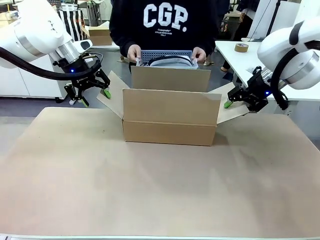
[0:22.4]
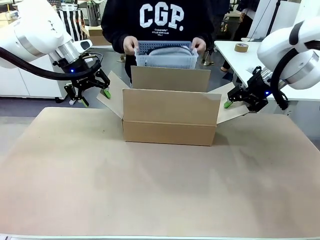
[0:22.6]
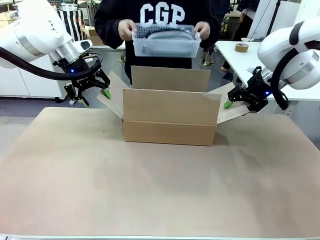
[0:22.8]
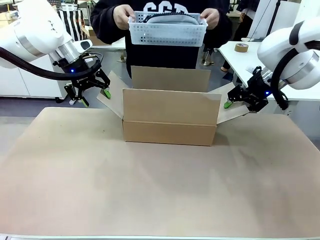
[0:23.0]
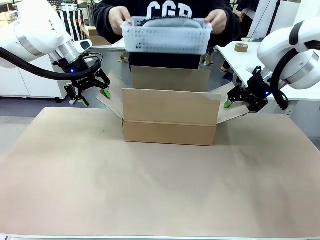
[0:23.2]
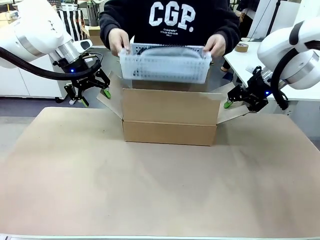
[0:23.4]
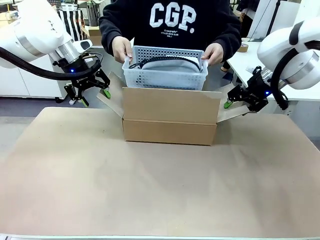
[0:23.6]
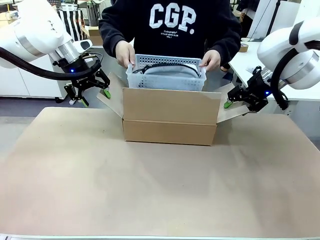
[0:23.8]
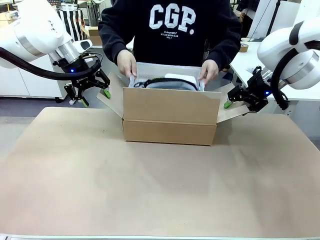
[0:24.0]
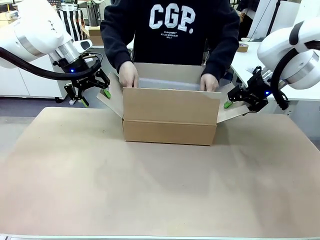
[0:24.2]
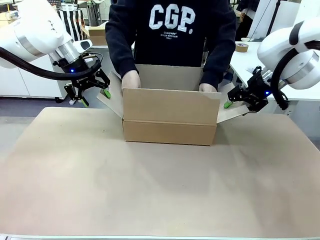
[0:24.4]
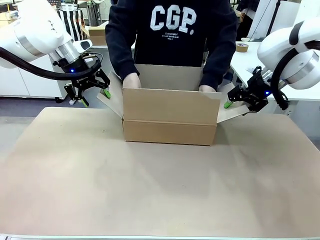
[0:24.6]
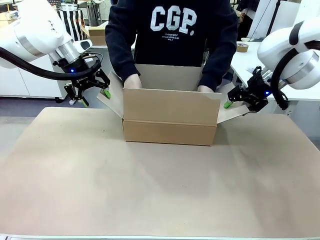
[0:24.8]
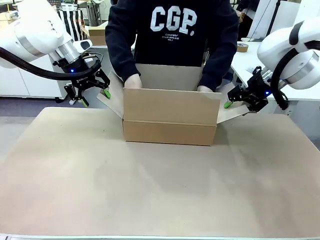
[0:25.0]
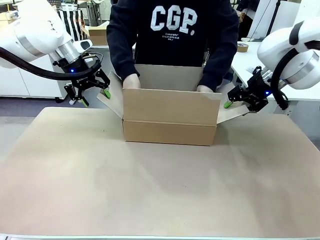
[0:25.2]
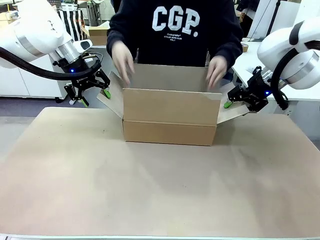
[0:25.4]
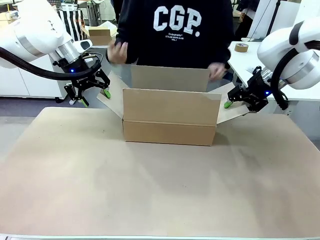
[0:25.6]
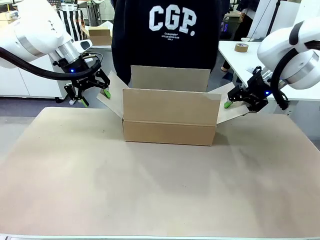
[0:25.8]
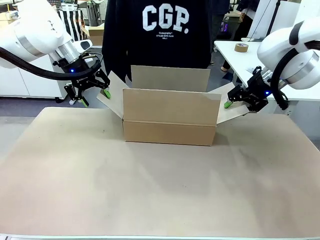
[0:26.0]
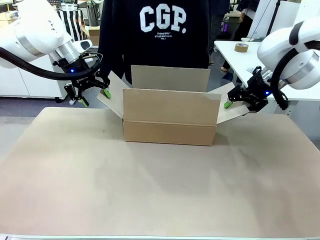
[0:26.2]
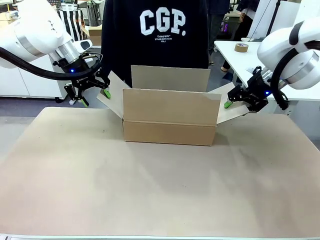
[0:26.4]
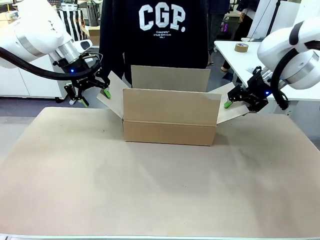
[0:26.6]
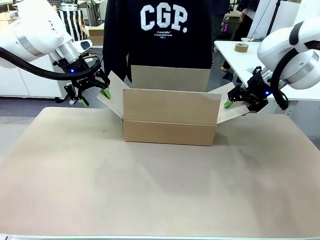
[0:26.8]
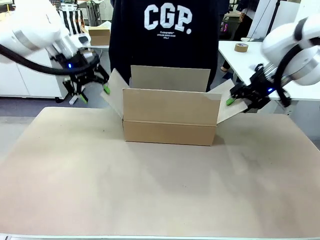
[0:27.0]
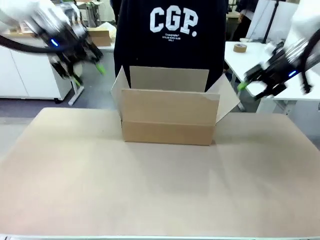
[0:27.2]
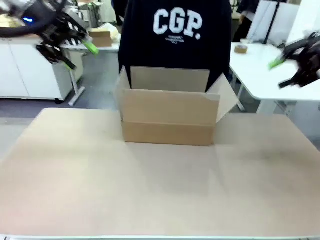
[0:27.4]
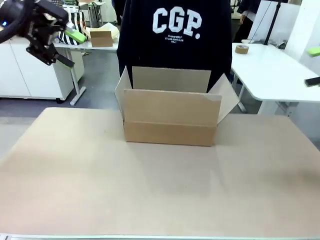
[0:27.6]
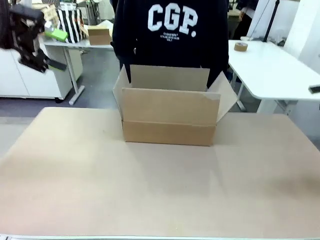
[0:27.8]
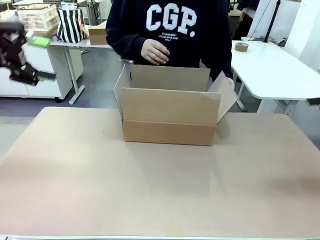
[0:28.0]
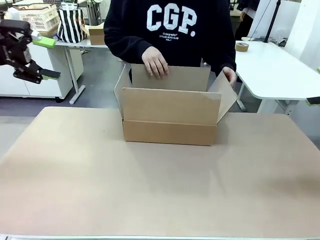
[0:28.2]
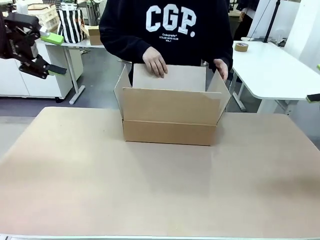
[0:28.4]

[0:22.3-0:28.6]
Task: Pack the gift set into the box.
Robot: Lift both hands away from the flaps of the Package Box.

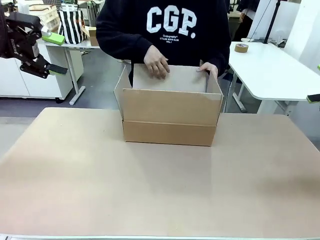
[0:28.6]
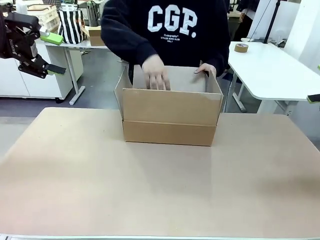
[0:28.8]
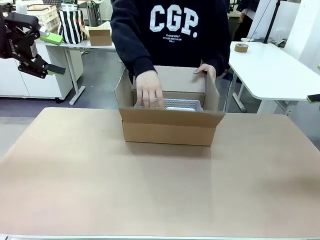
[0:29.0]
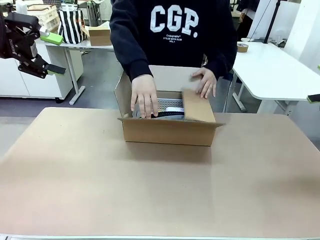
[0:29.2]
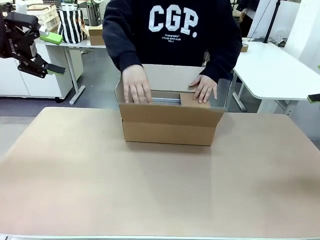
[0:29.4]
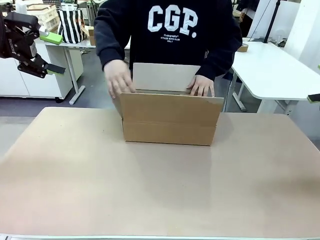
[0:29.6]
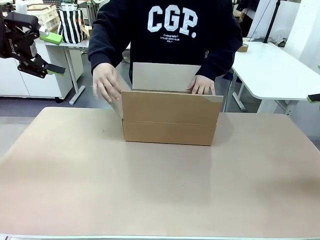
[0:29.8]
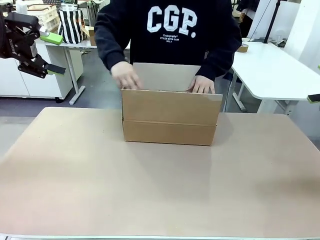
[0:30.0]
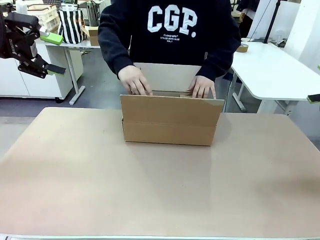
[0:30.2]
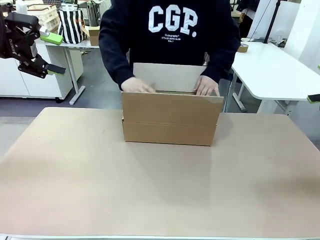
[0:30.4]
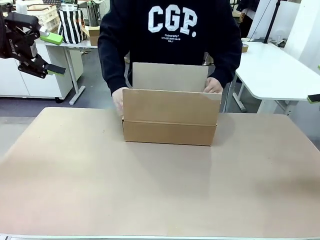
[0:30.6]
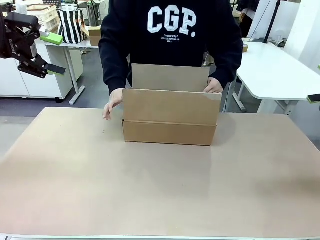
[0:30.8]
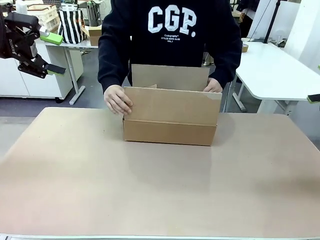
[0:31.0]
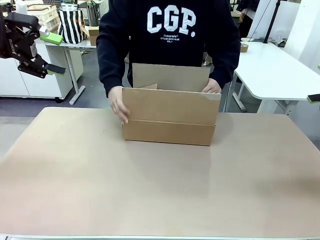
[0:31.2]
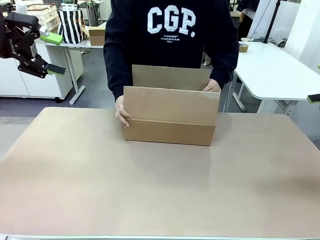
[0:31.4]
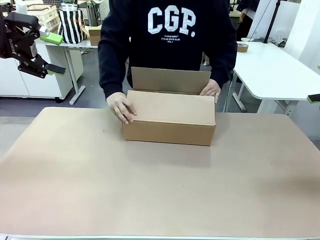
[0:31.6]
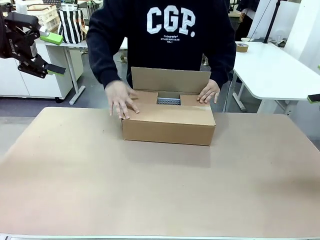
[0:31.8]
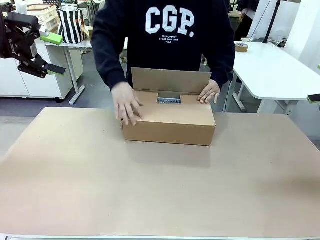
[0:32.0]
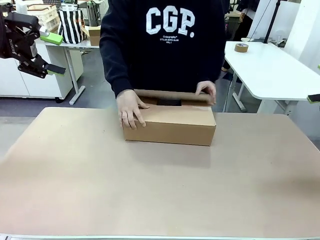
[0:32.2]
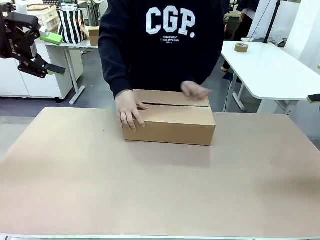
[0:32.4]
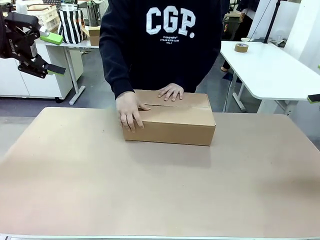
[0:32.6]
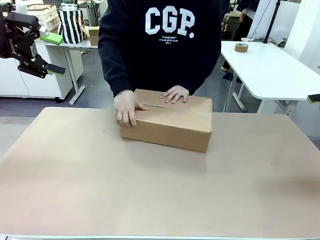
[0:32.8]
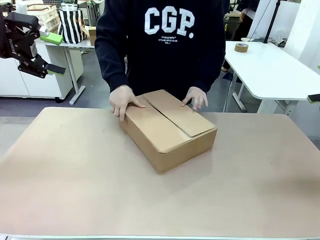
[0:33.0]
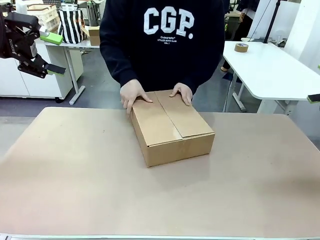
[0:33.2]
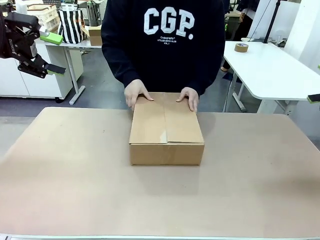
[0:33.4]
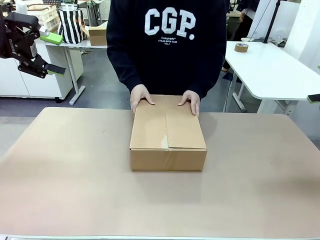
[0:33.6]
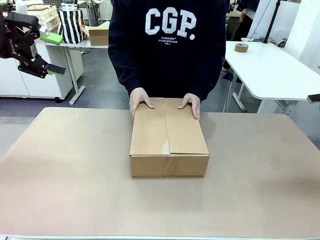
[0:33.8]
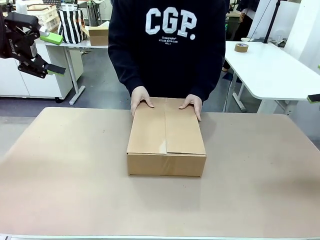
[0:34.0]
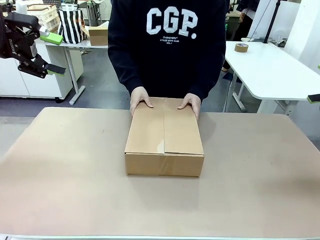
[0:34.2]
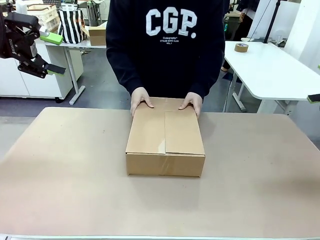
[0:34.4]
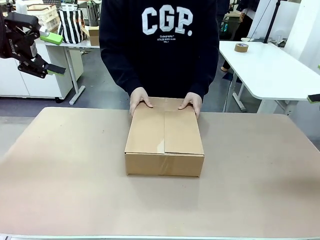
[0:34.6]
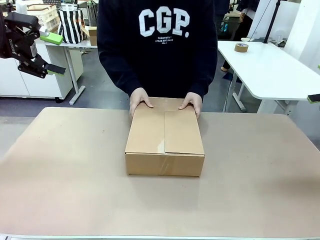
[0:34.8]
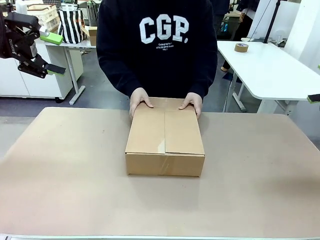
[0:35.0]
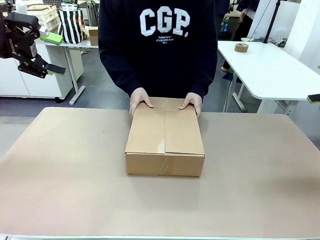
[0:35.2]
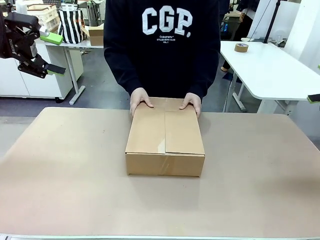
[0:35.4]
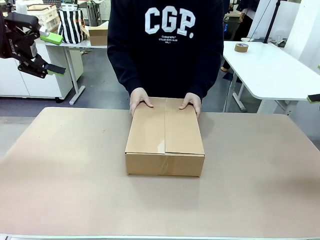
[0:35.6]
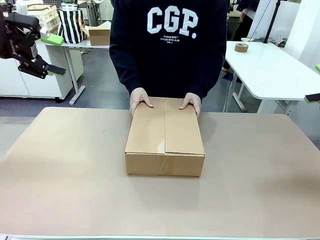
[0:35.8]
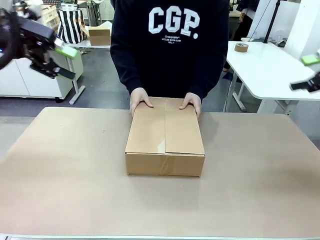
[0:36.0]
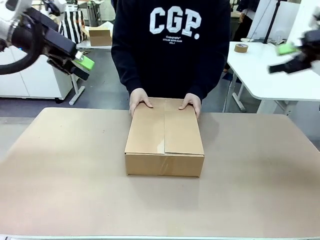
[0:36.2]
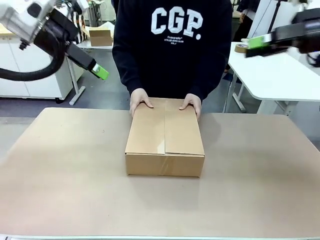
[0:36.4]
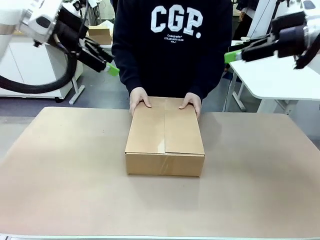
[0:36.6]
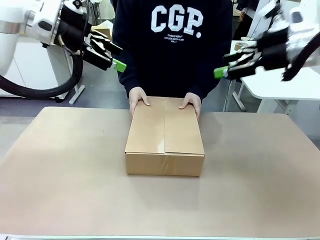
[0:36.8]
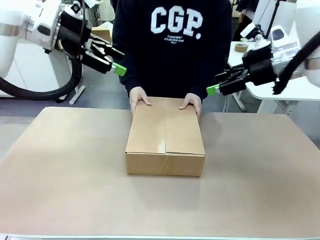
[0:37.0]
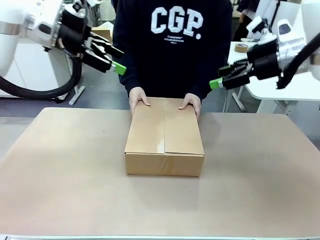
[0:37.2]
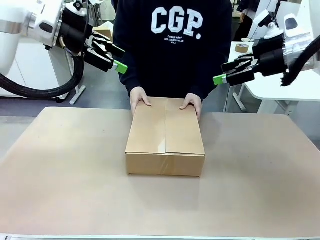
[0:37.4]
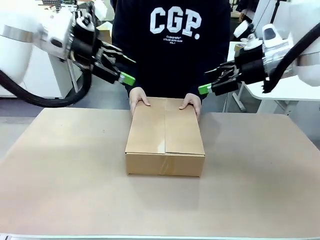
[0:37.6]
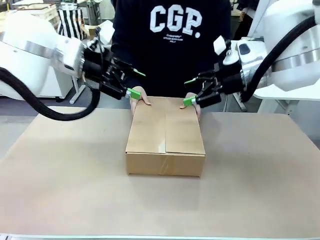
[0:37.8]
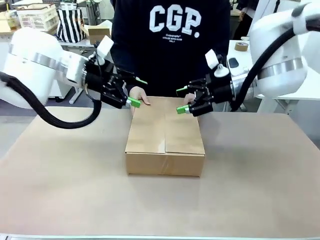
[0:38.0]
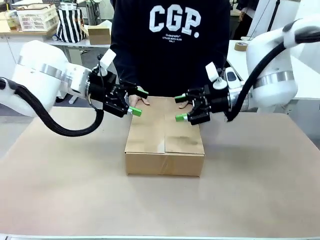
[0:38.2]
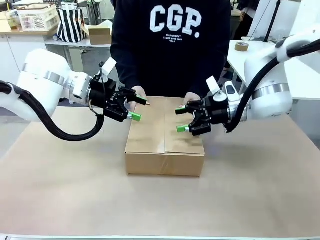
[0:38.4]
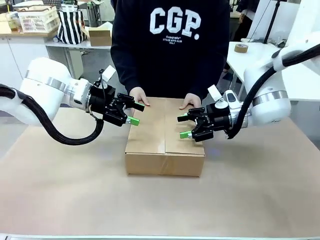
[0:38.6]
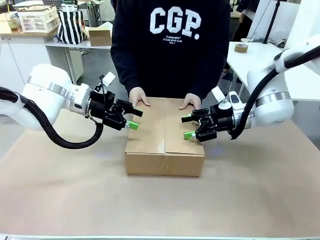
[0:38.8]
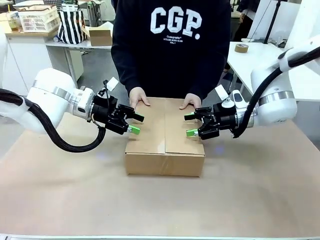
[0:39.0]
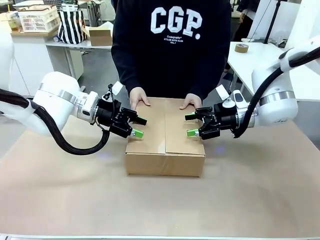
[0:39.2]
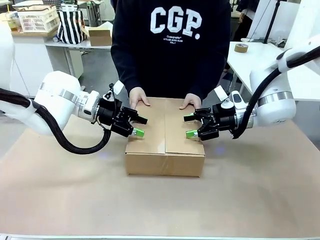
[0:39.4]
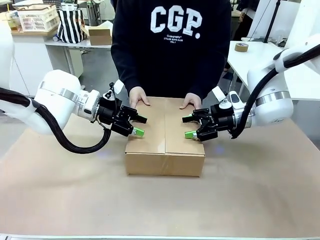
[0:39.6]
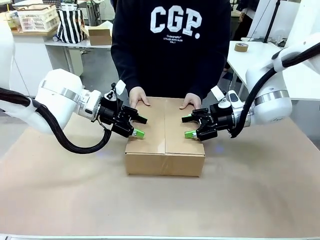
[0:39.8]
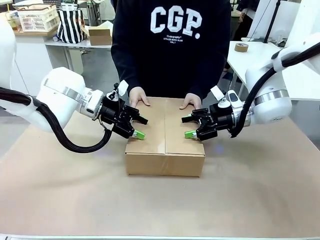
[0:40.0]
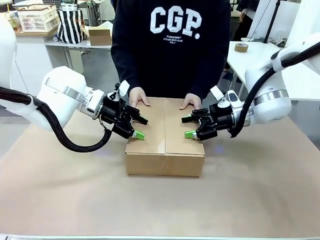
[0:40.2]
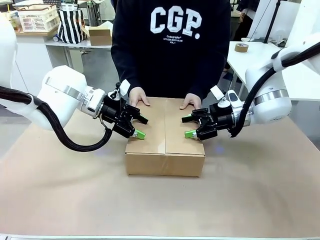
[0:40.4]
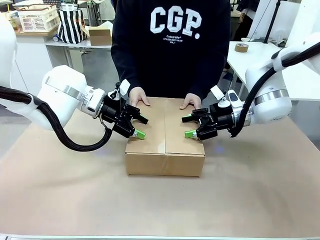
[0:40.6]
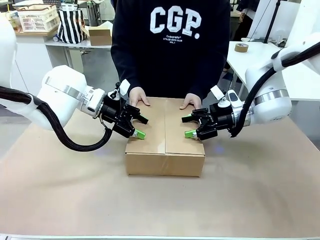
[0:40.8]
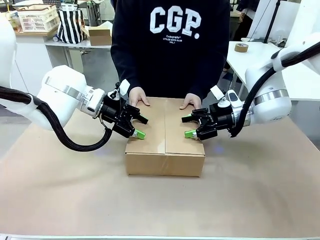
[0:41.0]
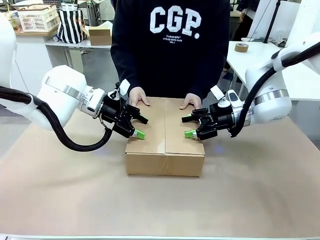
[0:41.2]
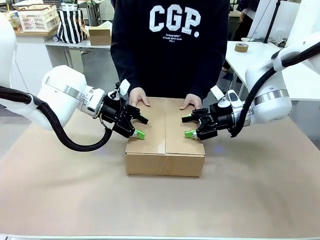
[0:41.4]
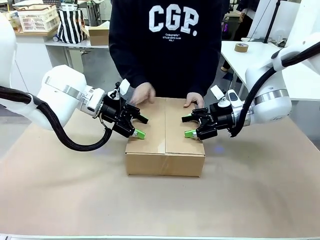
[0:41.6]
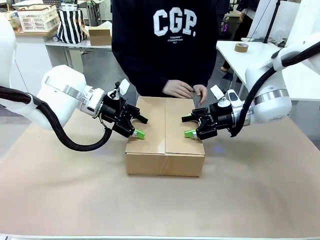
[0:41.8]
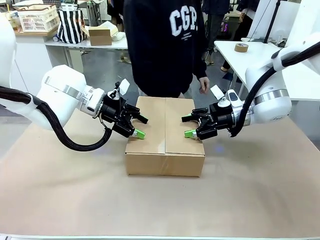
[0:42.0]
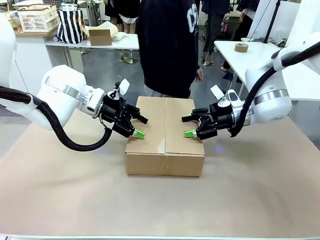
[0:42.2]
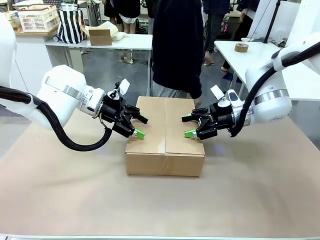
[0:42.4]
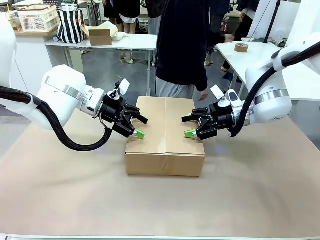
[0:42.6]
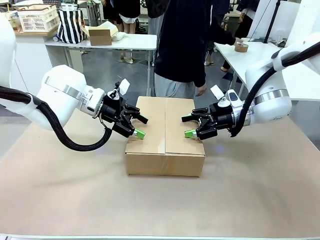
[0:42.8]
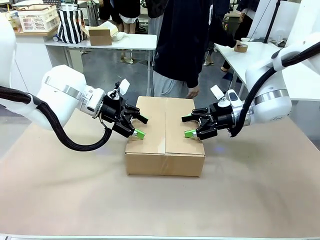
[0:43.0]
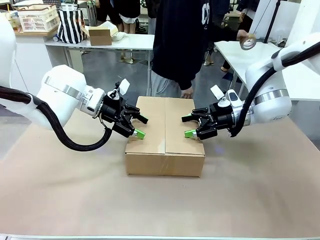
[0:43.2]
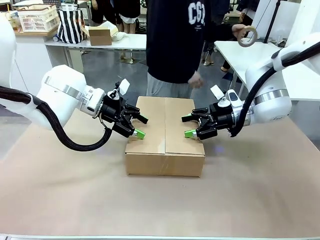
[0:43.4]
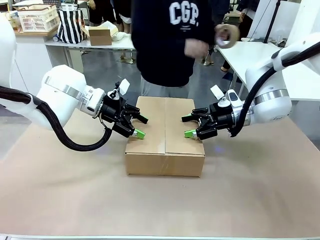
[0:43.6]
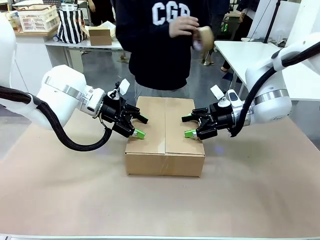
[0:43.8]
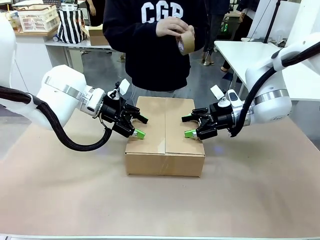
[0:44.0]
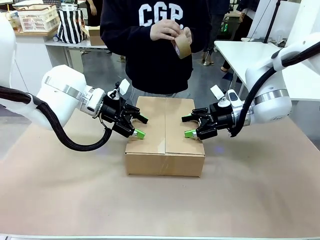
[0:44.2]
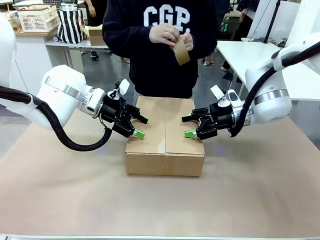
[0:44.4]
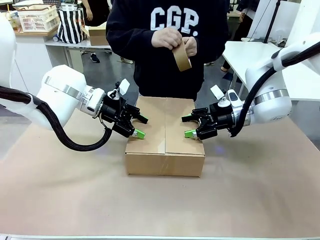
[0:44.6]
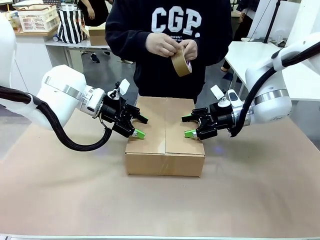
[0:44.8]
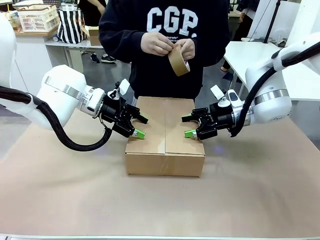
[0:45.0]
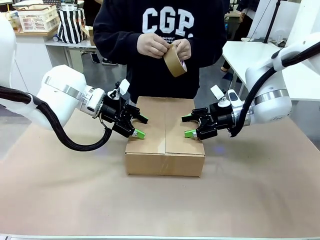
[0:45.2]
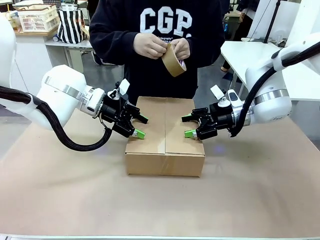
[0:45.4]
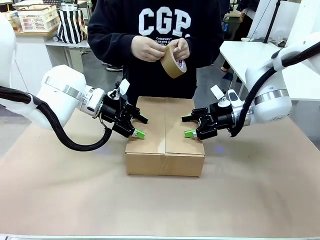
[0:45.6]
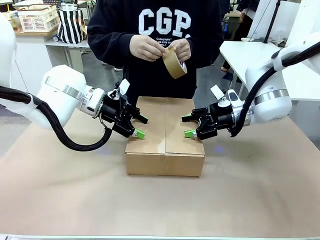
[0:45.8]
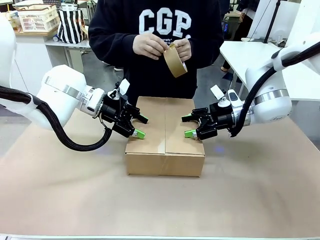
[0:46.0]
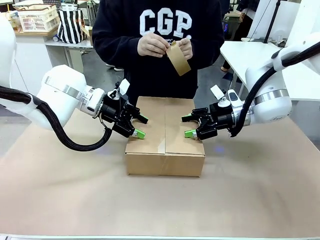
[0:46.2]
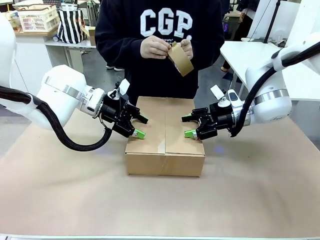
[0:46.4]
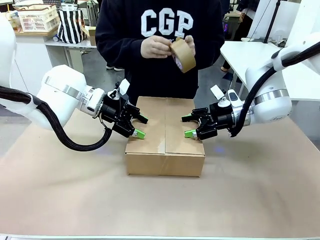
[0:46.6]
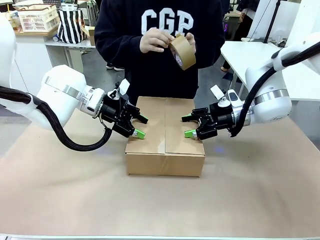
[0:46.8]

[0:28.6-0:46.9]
Robot: Press and hold the closed box until the human finishes sealing it.
Person: The human closes the box and rotates the box by 90 degrees.
